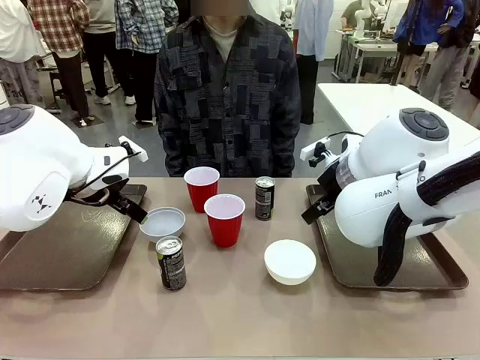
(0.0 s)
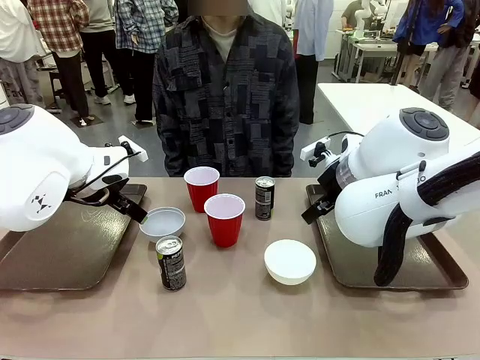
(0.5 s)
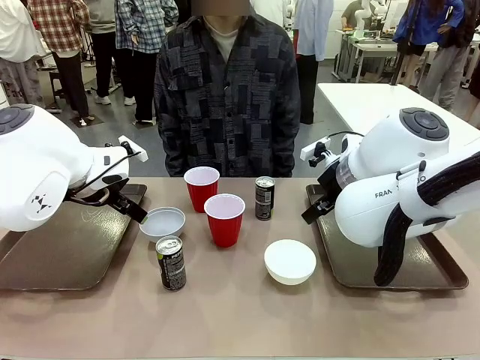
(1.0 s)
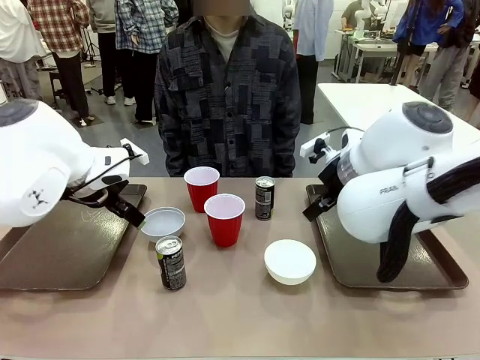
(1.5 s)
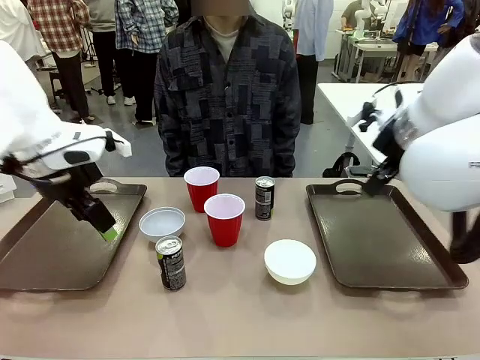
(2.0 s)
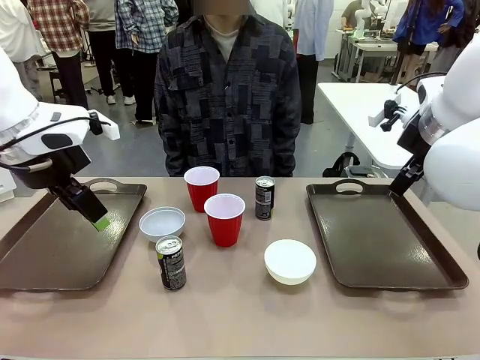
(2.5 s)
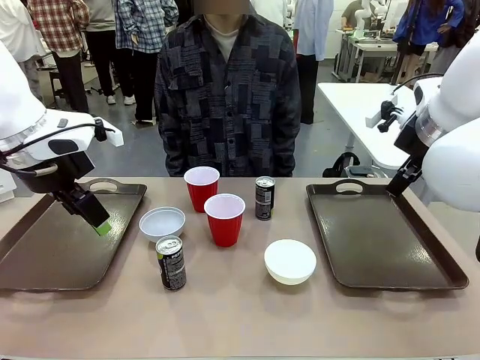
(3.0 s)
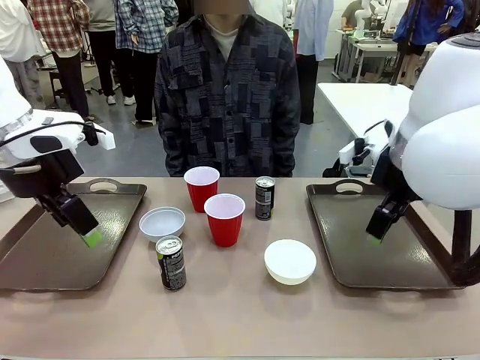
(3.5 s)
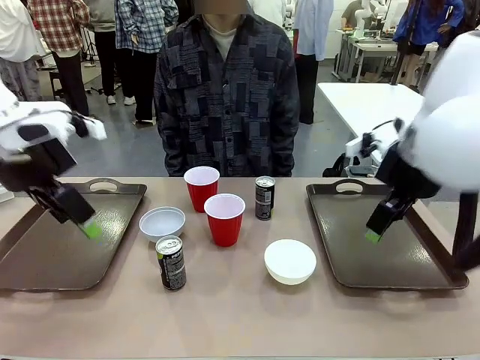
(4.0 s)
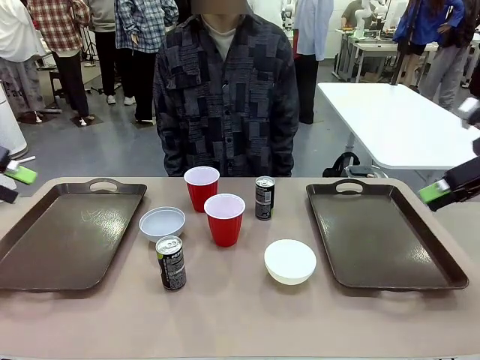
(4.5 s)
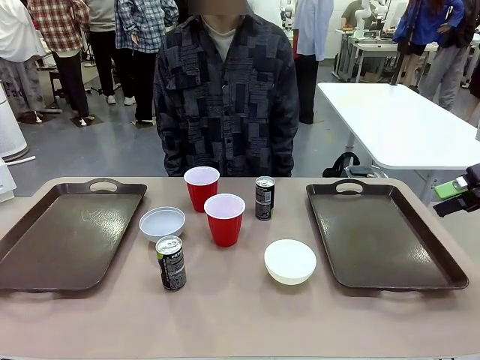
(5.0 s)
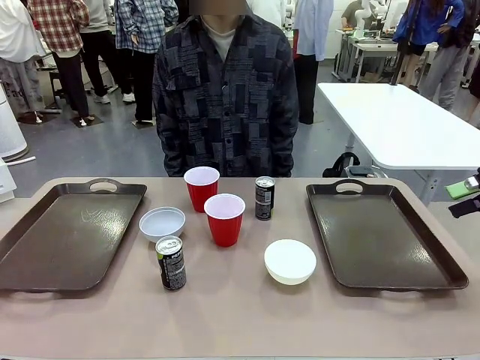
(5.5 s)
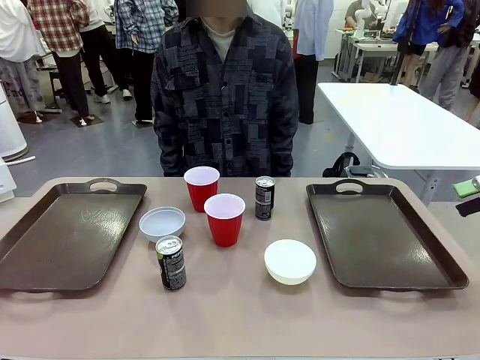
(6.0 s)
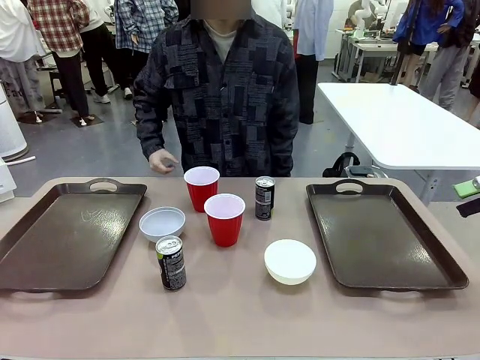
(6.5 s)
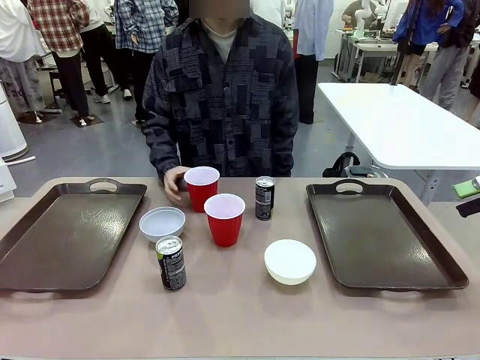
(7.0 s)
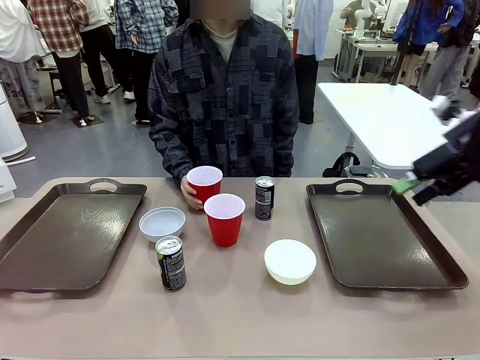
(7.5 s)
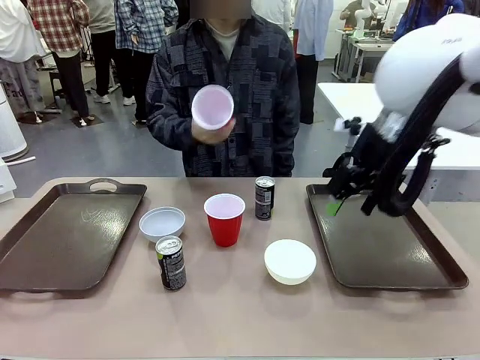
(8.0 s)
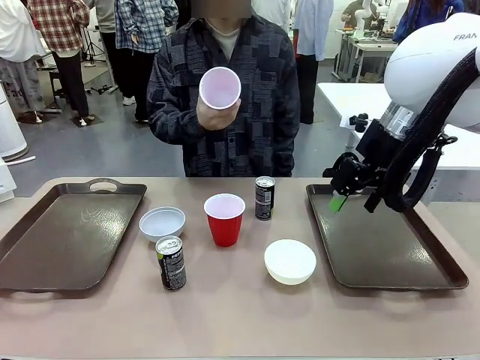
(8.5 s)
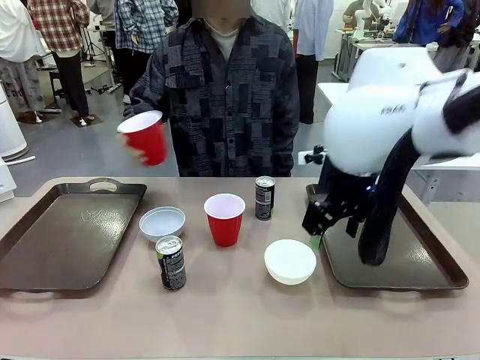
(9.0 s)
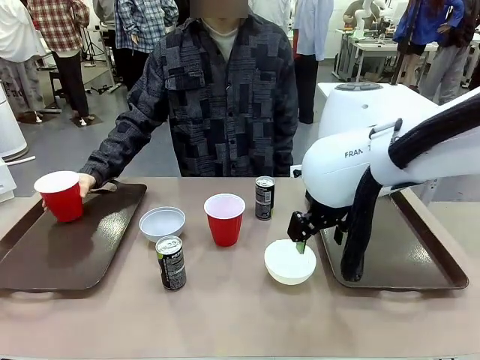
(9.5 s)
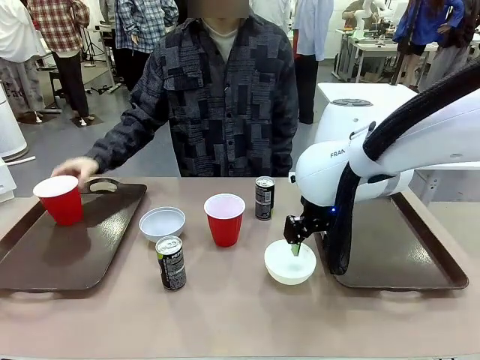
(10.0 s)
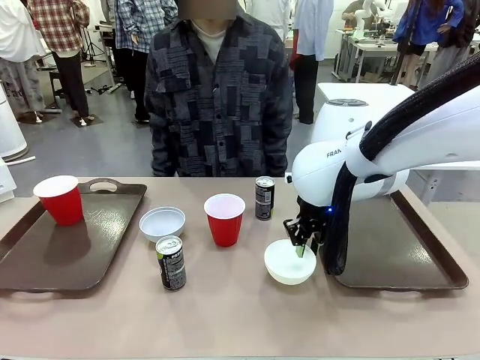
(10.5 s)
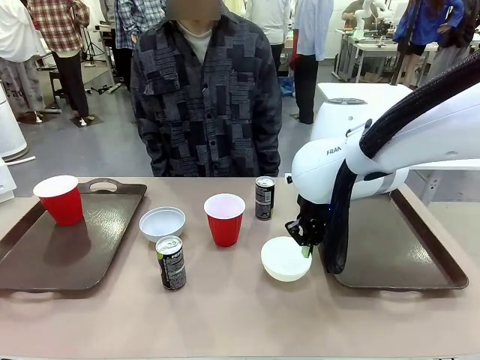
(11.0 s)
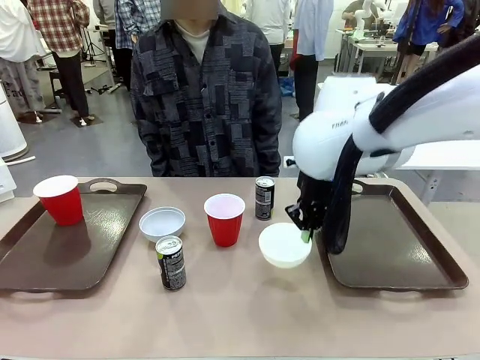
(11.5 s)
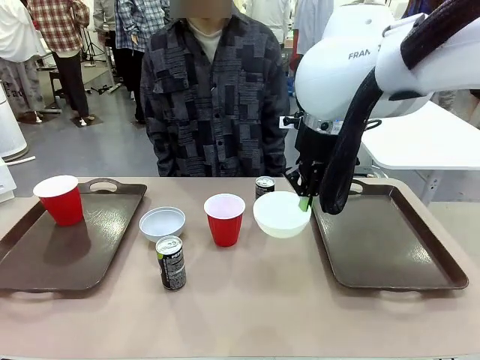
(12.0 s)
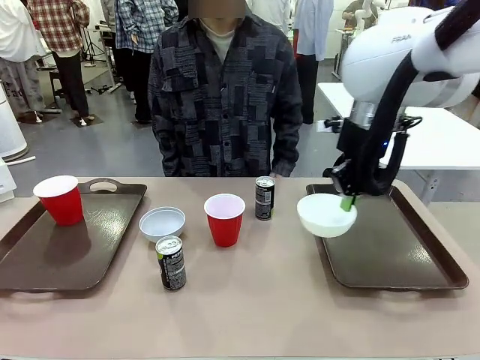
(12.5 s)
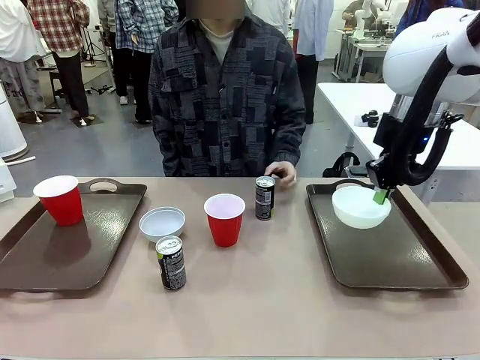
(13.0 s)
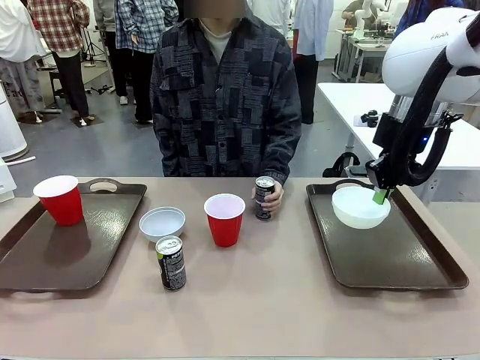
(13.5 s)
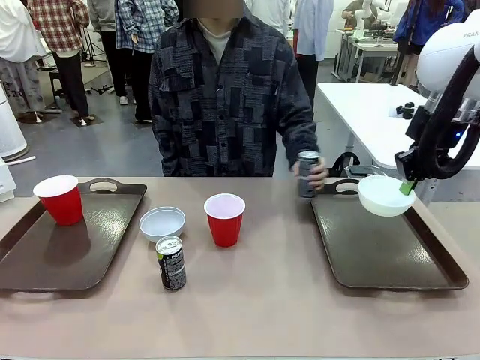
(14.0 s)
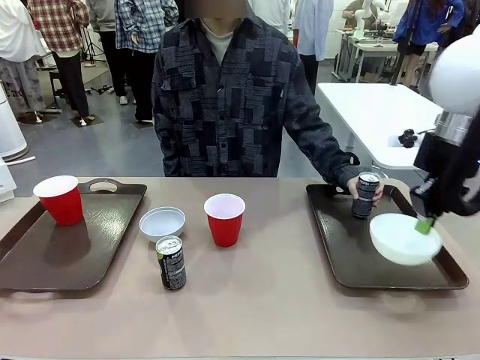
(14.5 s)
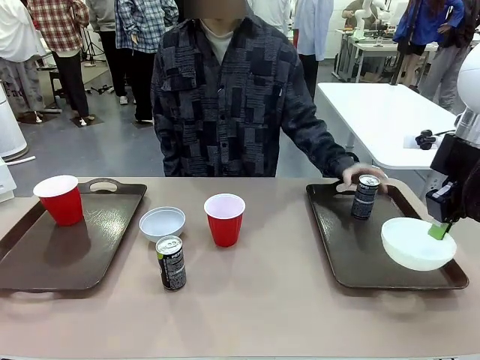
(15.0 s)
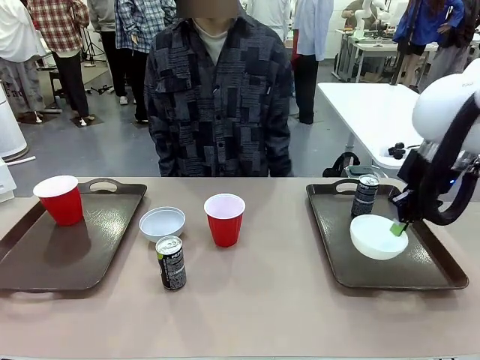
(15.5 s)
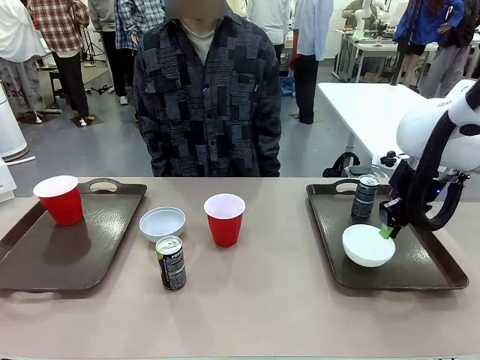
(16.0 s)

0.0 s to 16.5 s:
Task: Prepare tableware on both trays.
Robot: Pick up a Picnic Bowl from the table and place it on a Handle tray.
Person: Pick up a can or cup and place it on the tray.

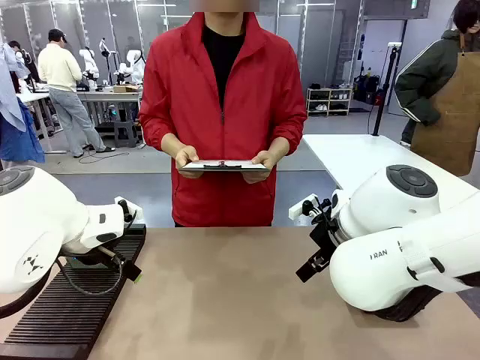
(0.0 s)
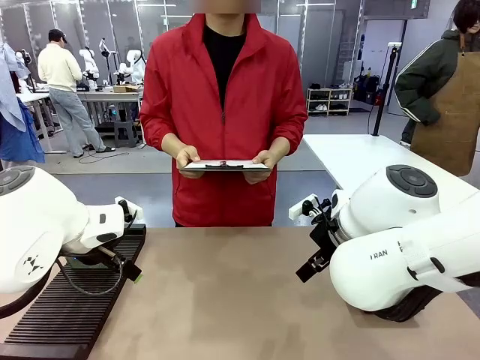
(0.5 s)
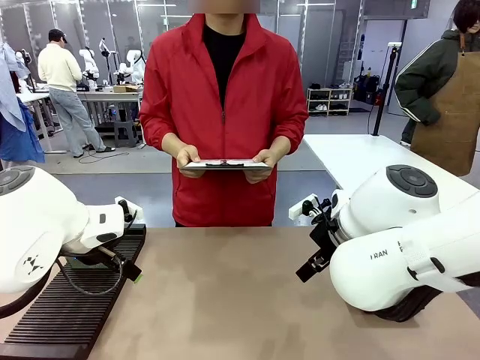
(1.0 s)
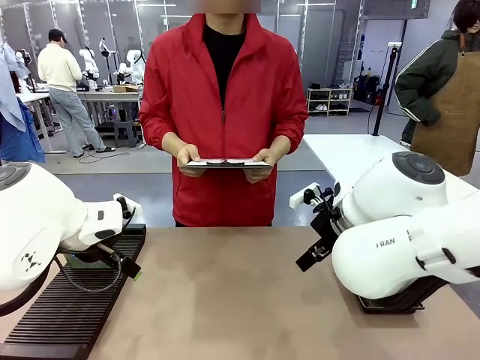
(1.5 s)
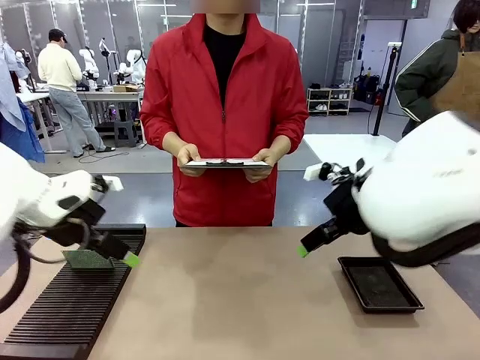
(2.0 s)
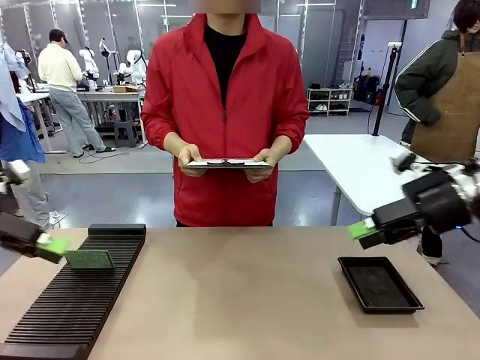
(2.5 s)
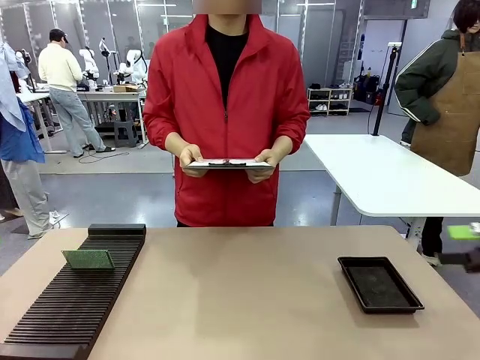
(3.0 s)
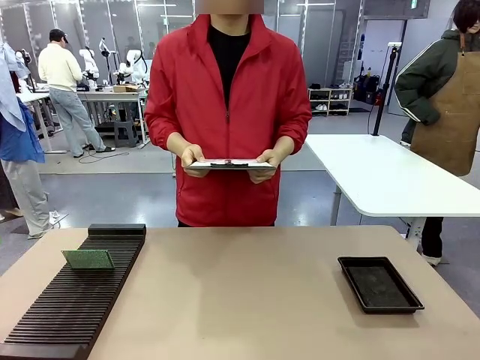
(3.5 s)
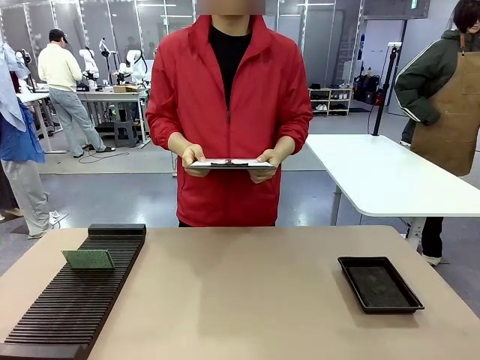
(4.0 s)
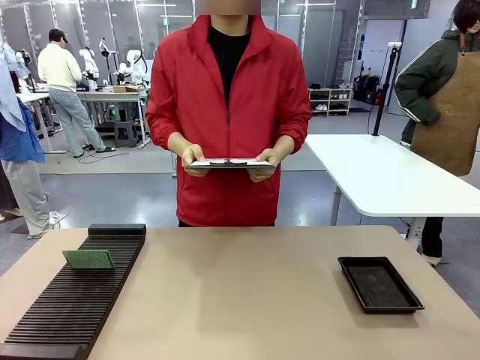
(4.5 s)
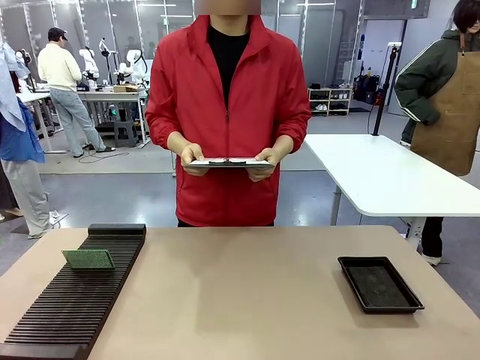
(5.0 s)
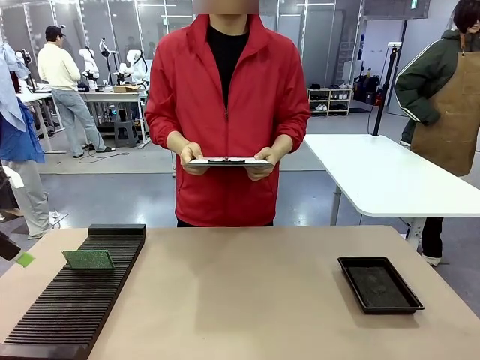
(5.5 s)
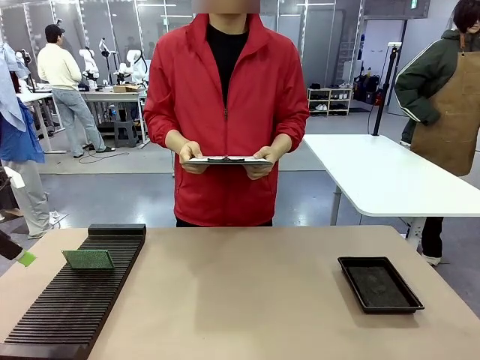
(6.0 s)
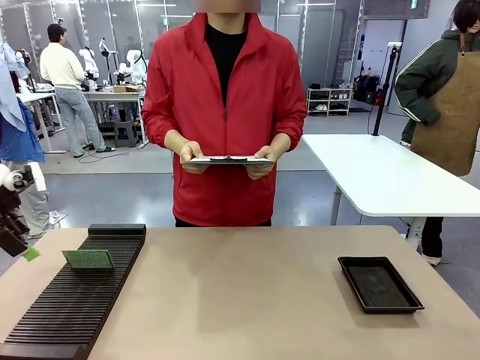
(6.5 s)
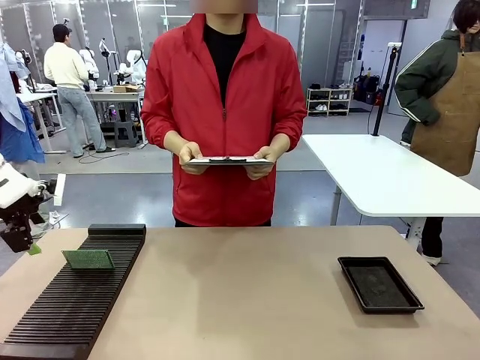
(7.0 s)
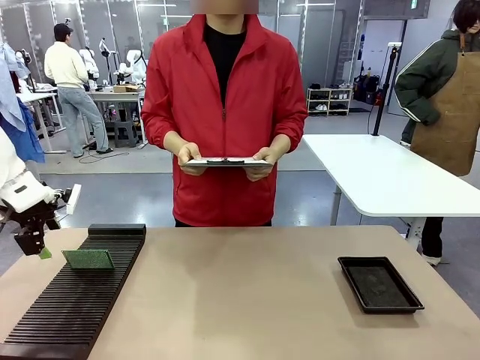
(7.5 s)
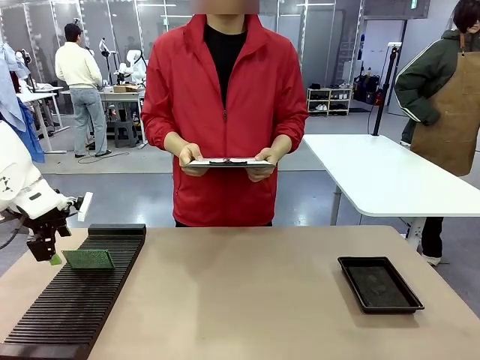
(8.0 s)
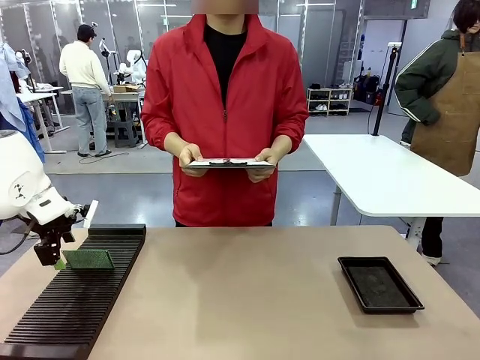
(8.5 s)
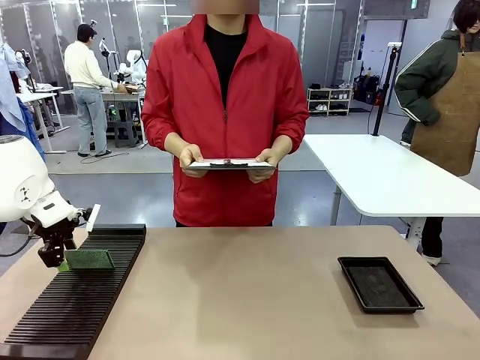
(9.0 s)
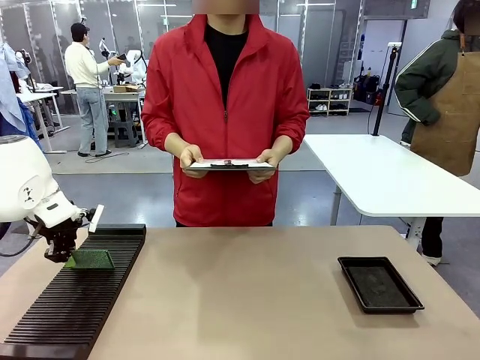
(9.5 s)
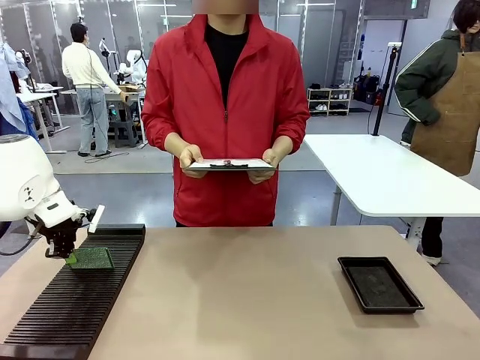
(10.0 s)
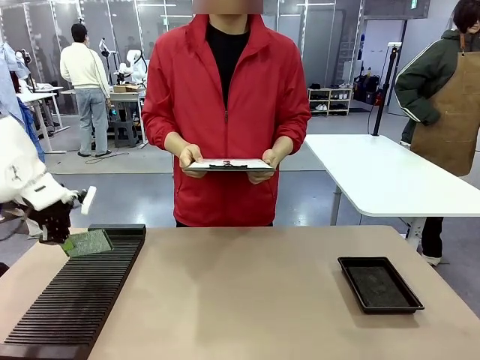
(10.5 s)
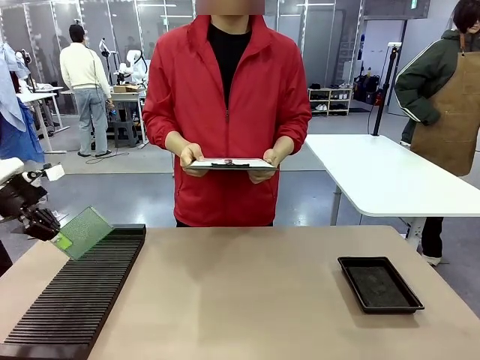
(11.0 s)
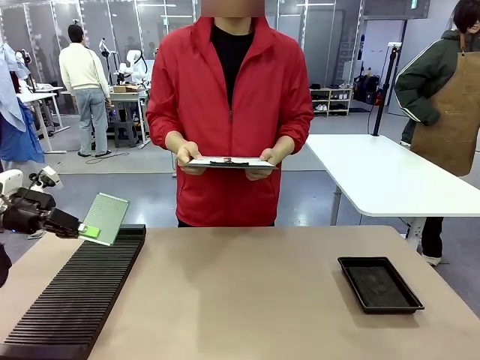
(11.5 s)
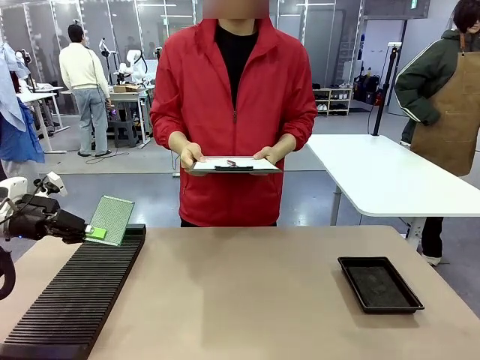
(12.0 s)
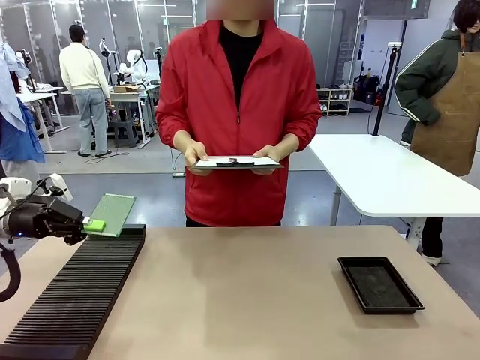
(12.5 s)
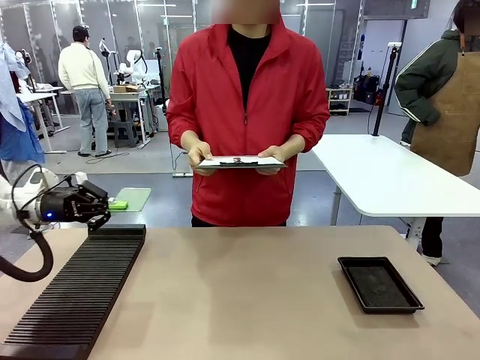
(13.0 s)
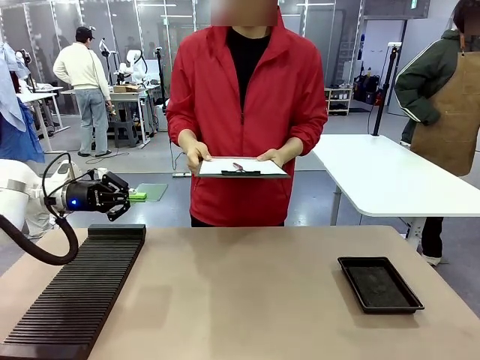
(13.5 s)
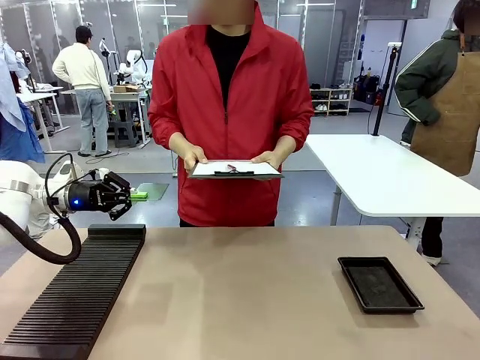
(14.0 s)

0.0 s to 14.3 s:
Task: Inspect the PCB.
Robot: Pick up the Blank PCB and present it to the human.
Person: Pick up the PCB presented by the robot.
